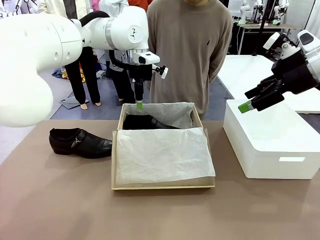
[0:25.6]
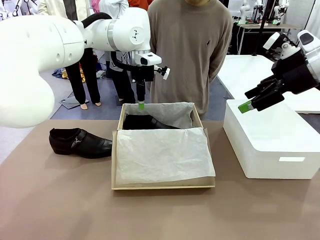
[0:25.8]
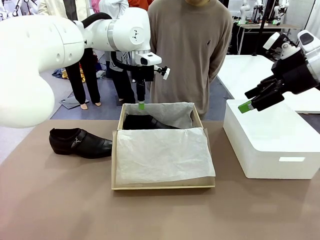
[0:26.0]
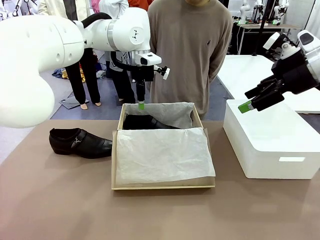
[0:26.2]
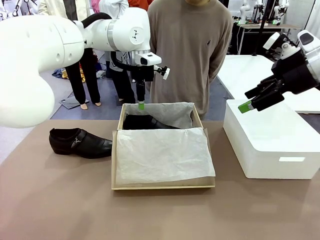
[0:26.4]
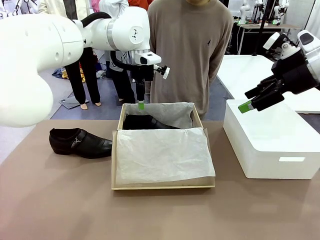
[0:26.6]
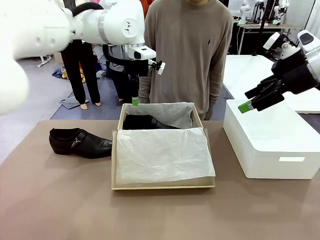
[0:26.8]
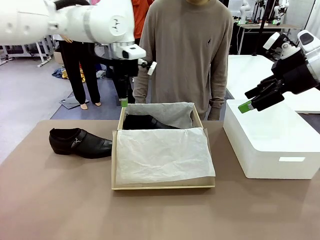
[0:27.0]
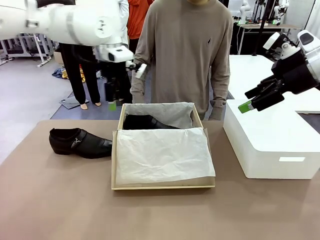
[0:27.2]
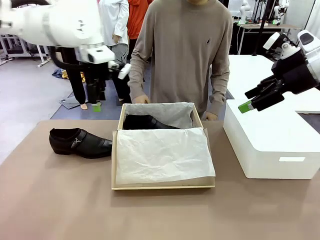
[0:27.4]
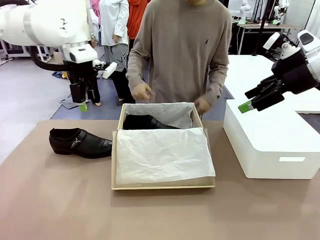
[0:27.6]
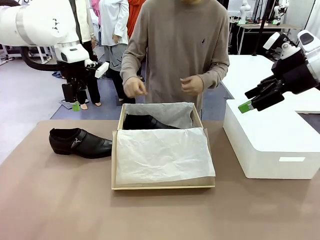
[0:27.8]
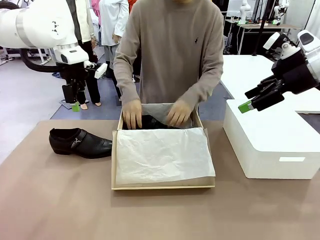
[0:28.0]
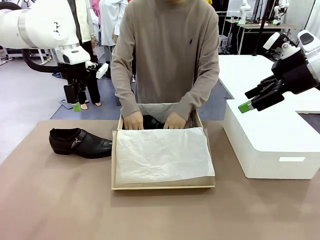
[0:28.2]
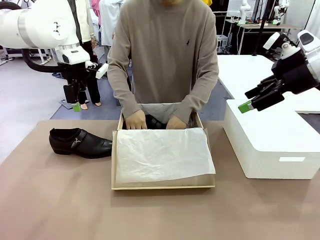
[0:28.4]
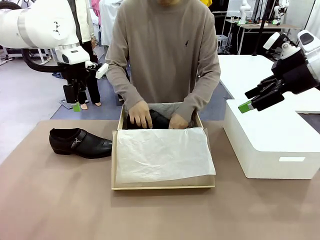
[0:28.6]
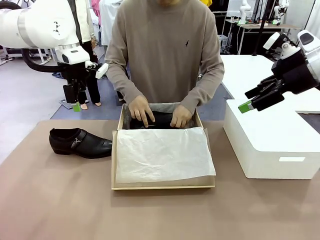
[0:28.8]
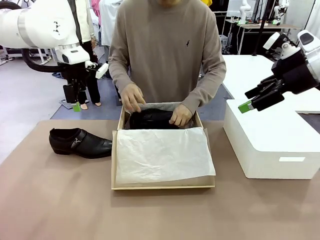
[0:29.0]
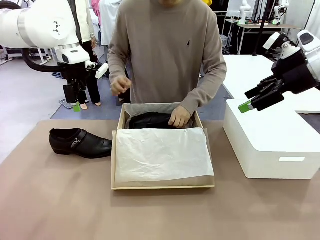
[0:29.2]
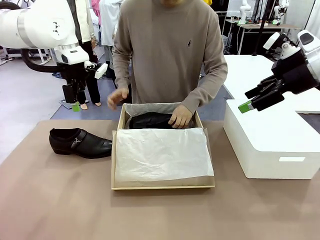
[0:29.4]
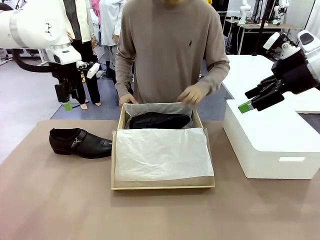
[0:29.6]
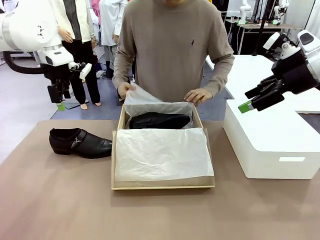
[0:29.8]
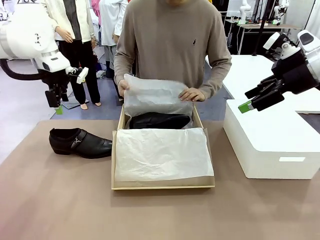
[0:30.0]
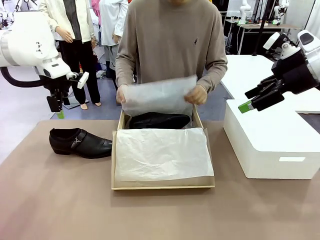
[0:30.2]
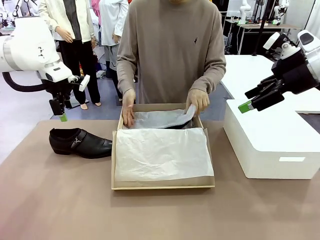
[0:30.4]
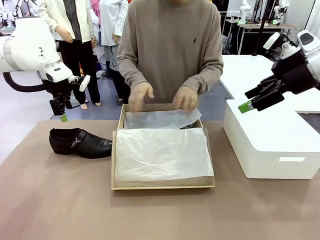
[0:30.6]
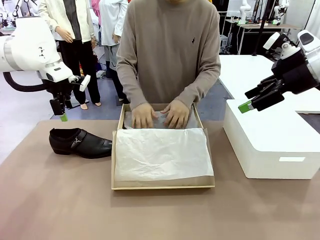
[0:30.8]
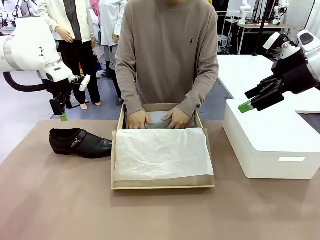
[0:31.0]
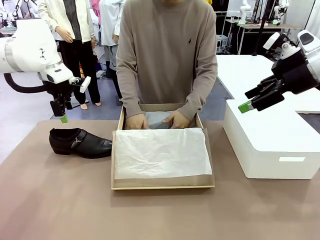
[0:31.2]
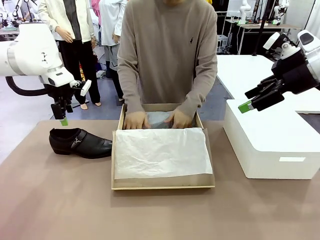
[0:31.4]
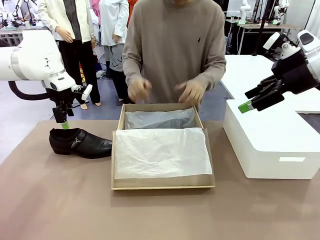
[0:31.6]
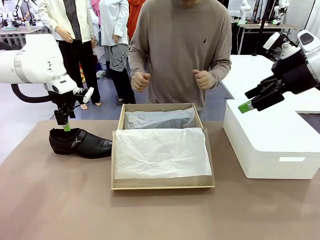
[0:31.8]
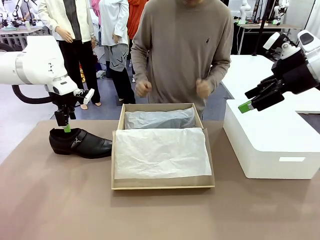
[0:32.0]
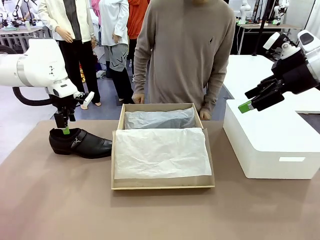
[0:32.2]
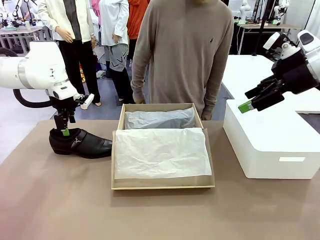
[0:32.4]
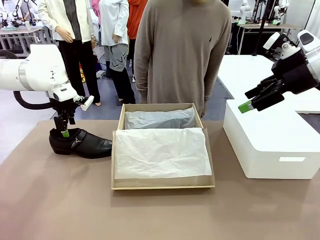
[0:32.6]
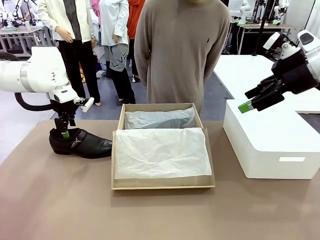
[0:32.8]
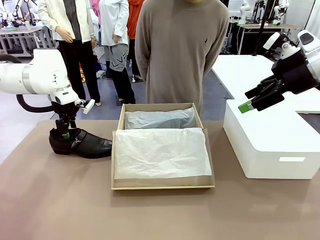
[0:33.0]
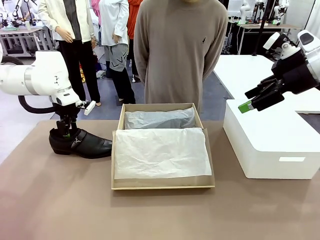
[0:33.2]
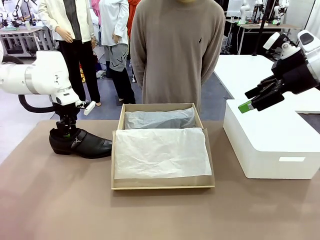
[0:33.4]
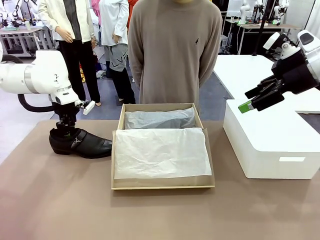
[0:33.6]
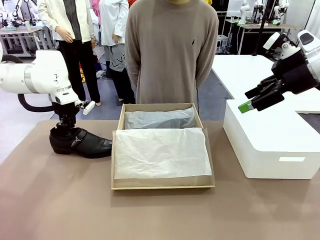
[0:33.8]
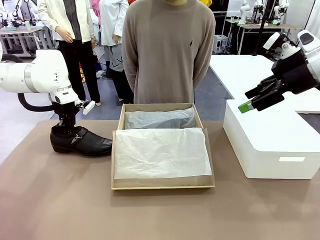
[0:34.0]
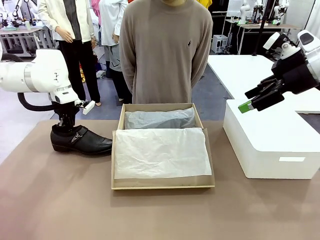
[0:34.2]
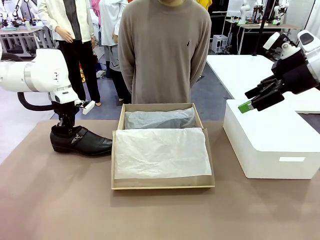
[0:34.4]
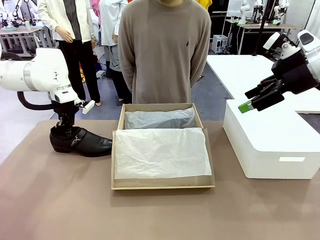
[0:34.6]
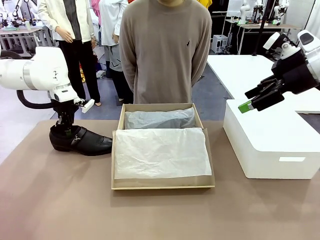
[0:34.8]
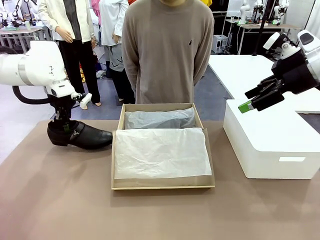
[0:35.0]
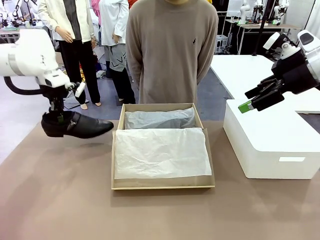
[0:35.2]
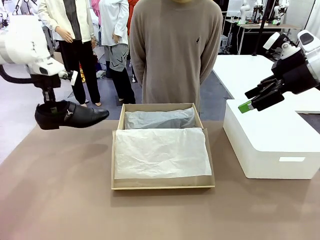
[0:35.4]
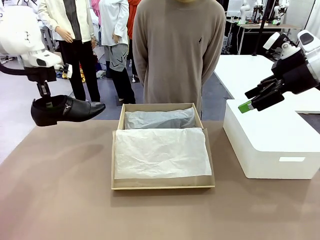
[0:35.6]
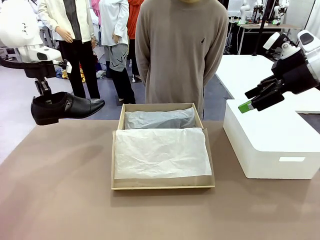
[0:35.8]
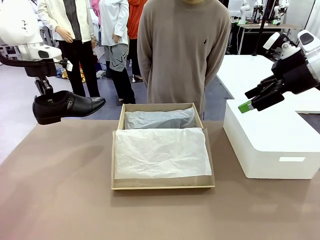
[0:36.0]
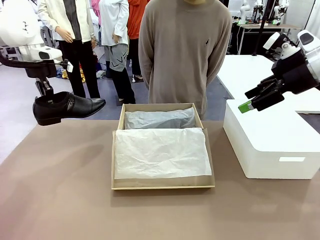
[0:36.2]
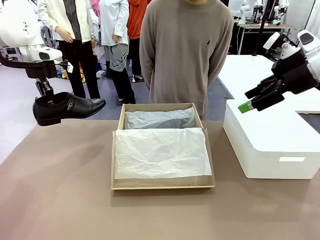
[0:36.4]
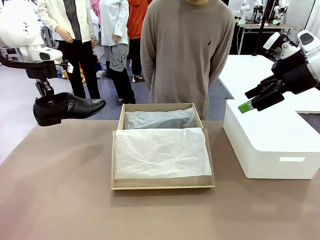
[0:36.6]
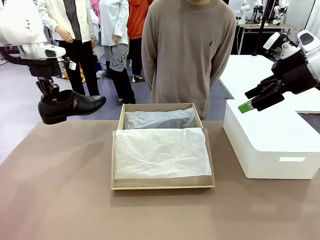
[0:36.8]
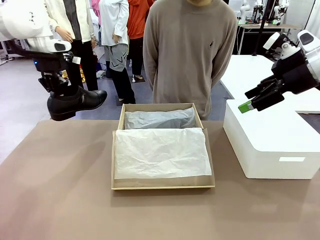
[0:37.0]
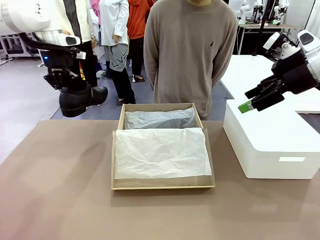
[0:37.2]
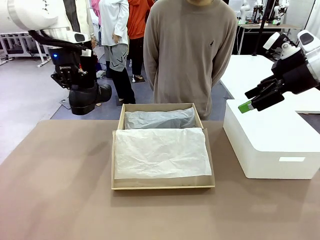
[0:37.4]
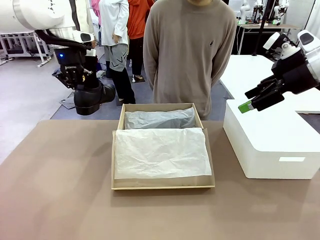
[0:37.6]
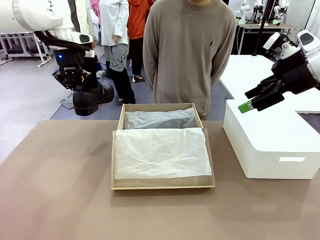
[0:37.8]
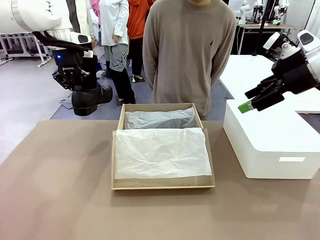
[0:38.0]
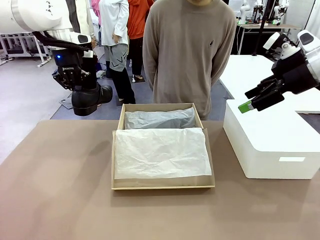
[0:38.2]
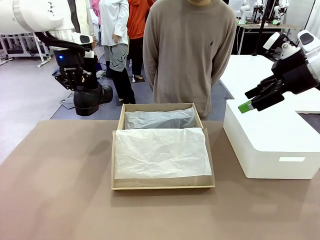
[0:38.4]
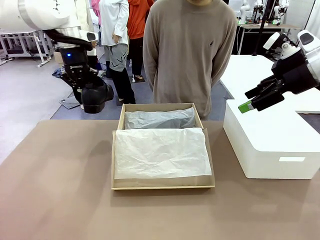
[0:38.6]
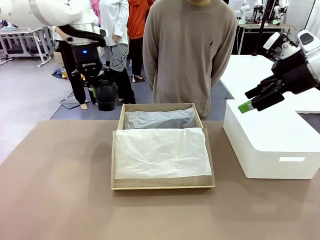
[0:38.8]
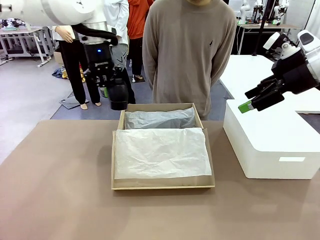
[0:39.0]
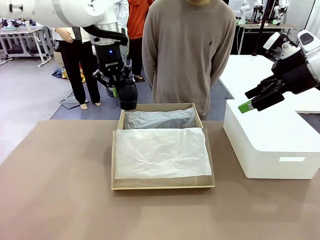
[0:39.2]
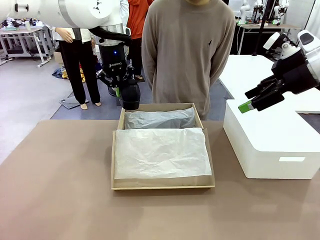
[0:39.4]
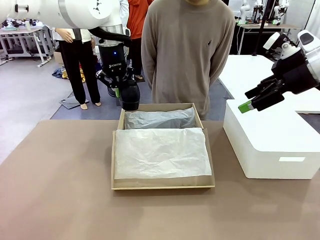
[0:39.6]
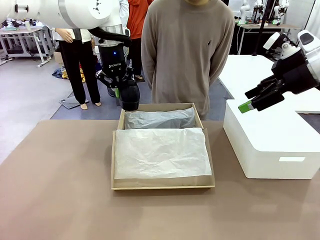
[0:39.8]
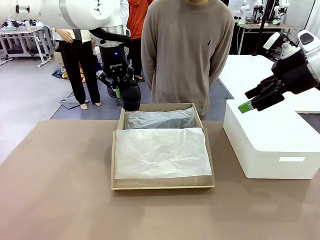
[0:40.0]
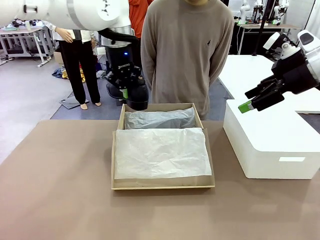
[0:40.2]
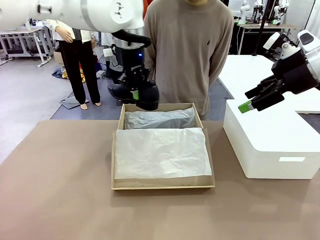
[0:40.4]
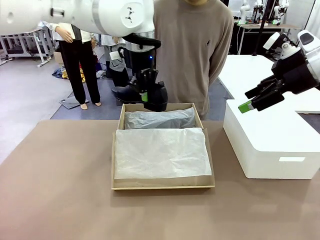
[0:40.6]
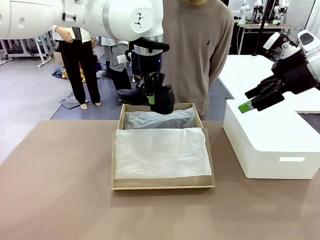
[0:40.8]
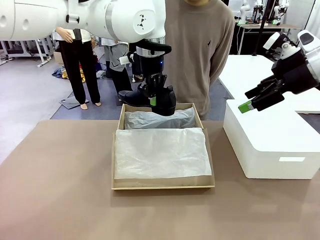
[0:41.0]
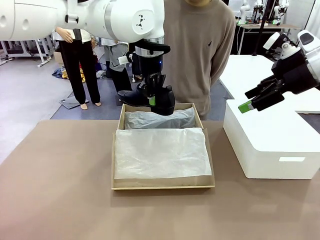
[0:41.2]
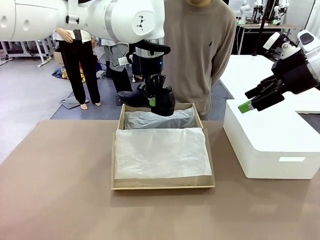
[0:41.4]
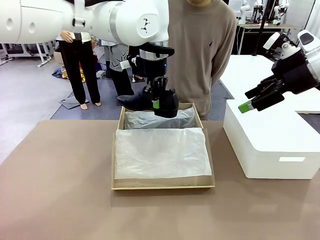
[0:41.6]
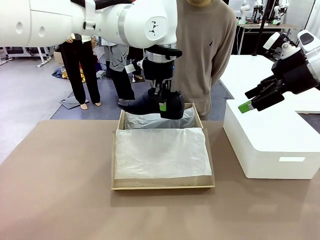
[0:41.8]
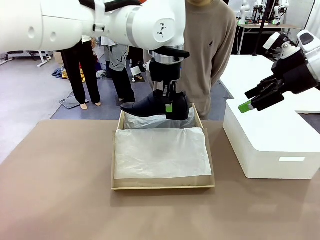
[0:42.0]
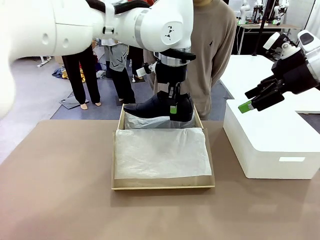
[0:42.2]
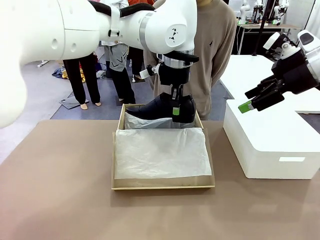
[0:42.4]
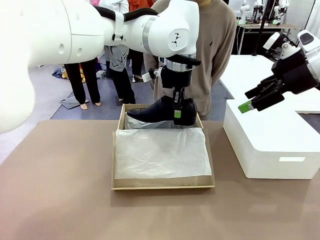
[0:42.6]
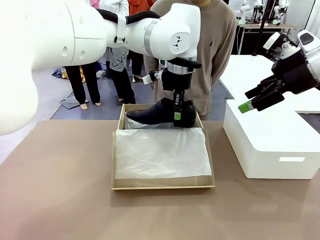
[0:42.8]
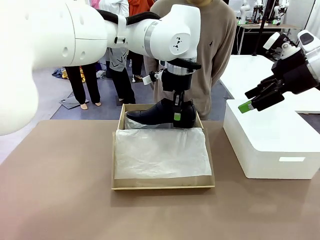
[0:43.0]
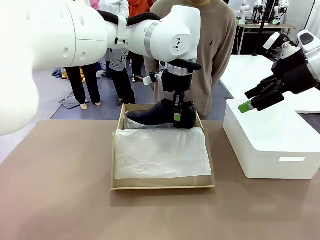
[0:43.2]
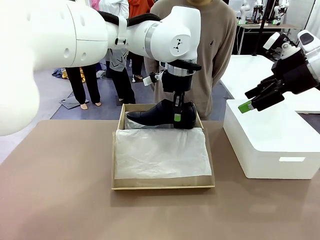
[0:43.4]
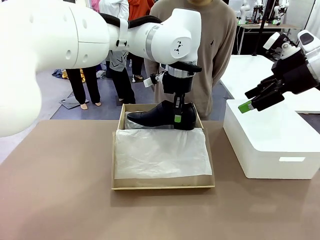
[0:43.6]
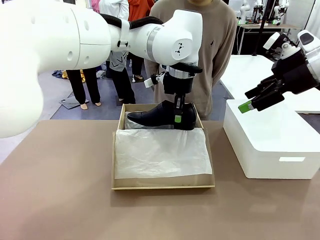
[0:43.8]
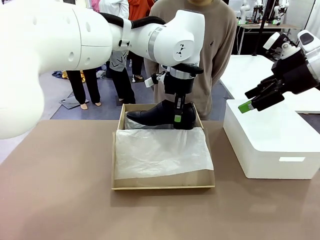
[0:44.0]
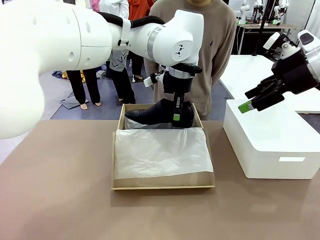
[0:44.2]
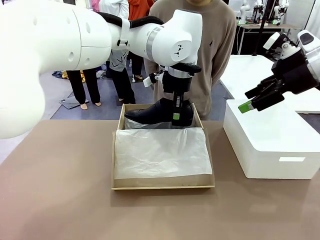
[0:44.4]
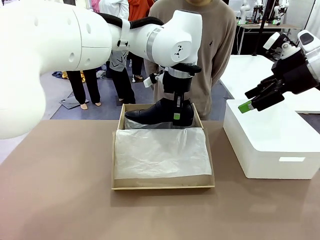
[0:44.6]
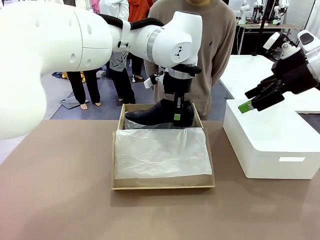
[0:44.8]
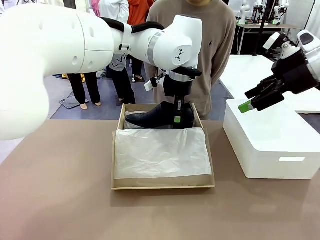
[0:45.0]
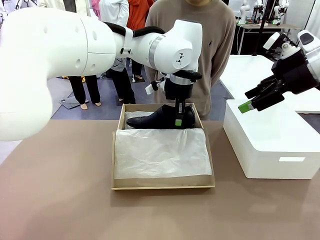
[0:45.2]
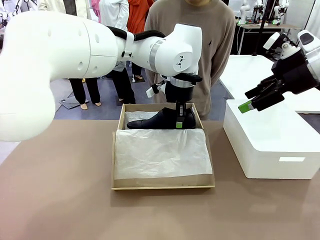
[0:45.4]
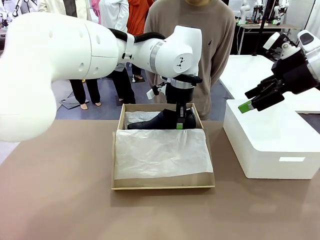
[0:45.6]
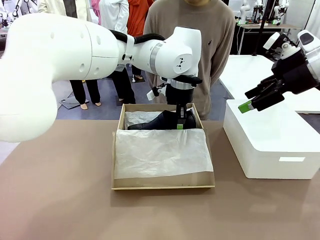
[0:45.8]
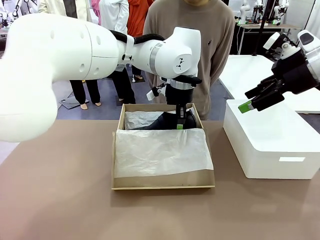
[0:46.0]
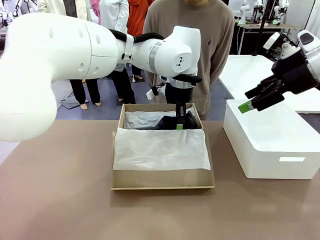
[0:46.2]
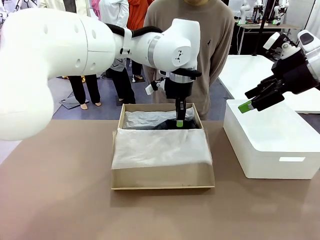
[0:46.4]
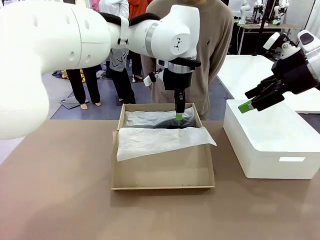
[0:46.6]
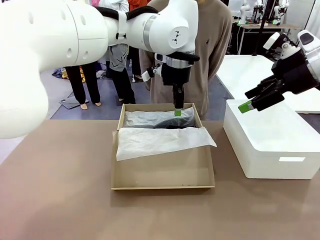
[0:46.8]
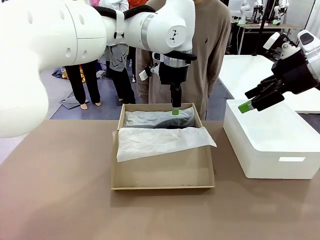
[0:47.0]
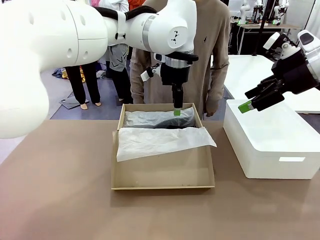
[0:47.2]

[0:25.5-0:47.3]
Task: Pack the shoes into the box.
Robot: Place the other shoe of the Shoes into the Shoes Box.
Person: Pack a shoe of Shoes inside the Shoes Box with Shoes Wrapping Paper.
